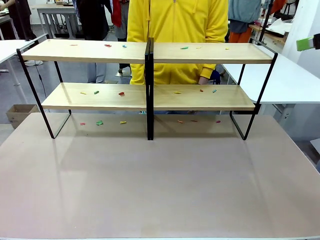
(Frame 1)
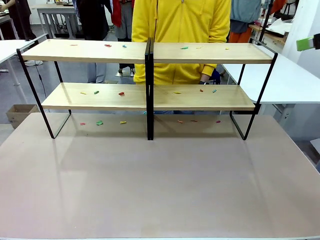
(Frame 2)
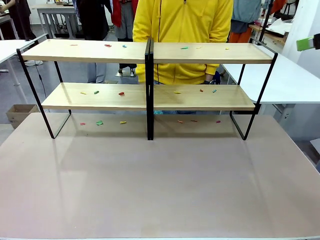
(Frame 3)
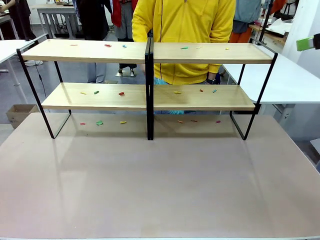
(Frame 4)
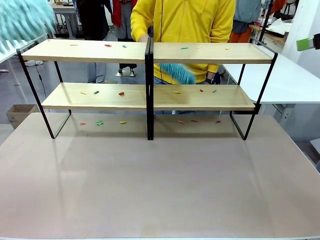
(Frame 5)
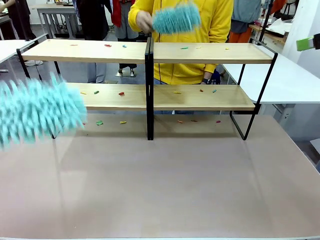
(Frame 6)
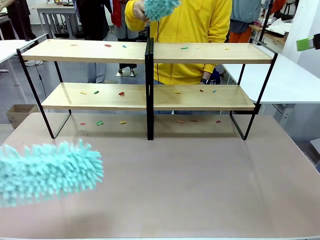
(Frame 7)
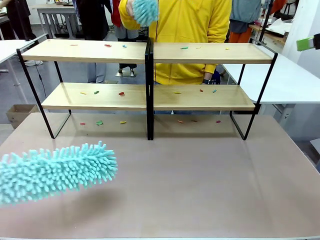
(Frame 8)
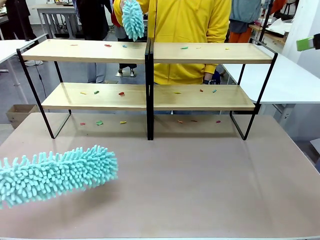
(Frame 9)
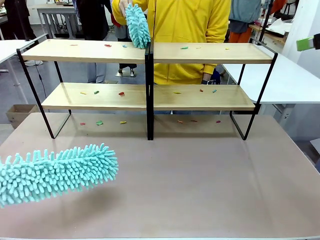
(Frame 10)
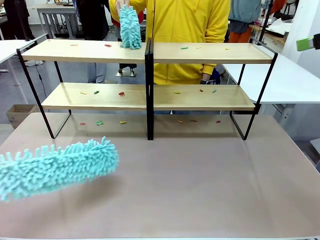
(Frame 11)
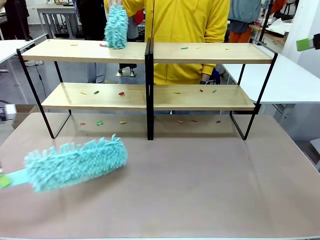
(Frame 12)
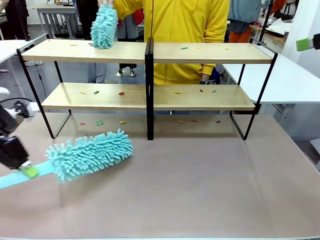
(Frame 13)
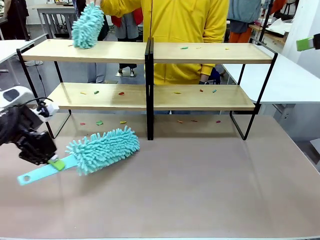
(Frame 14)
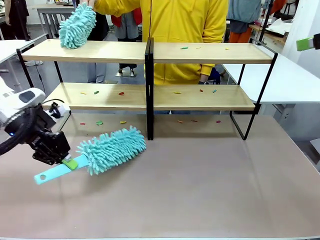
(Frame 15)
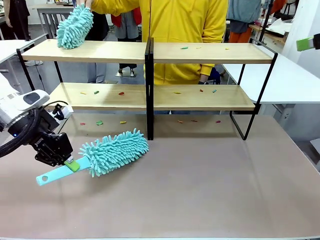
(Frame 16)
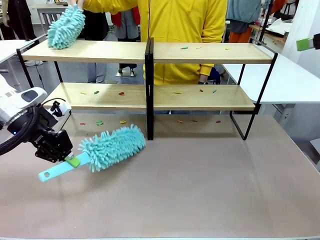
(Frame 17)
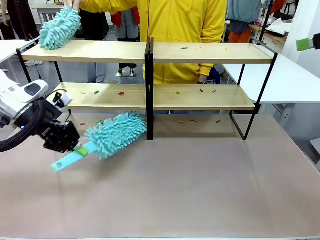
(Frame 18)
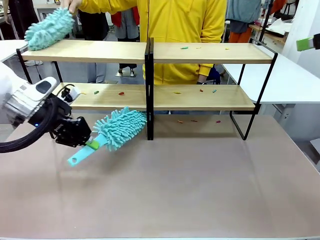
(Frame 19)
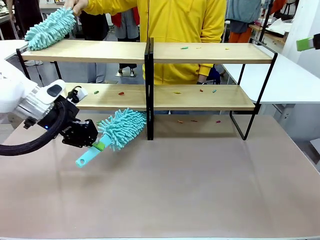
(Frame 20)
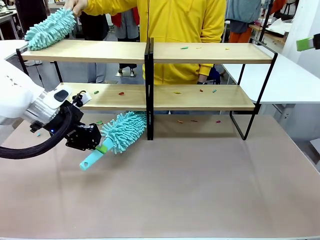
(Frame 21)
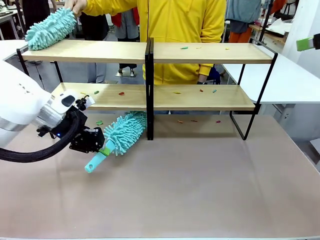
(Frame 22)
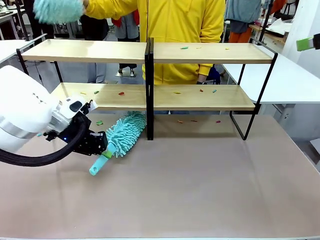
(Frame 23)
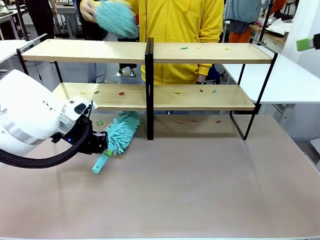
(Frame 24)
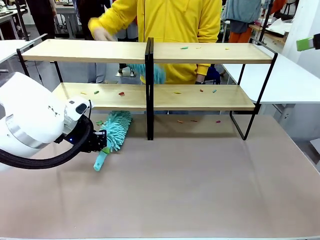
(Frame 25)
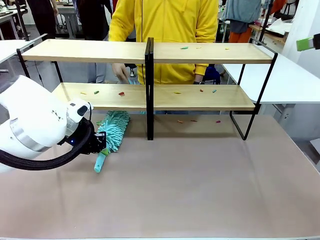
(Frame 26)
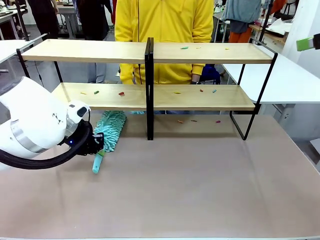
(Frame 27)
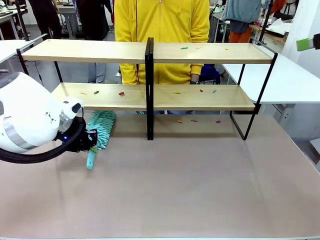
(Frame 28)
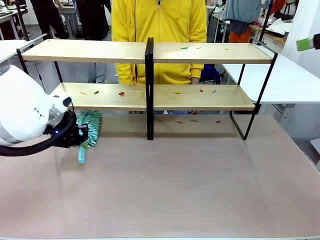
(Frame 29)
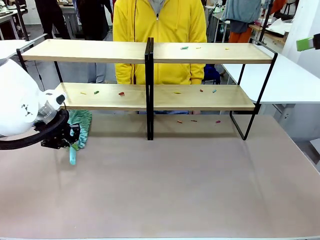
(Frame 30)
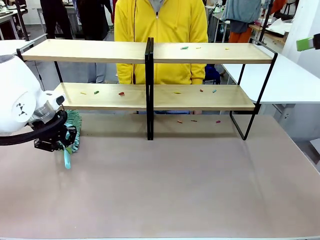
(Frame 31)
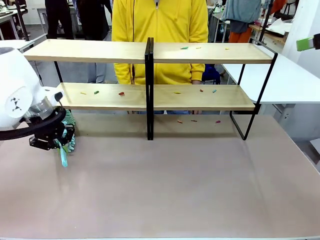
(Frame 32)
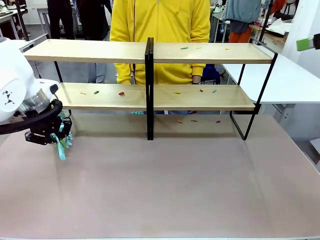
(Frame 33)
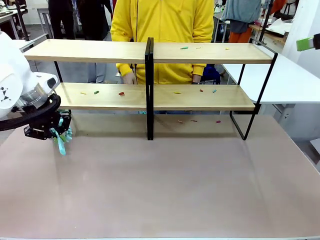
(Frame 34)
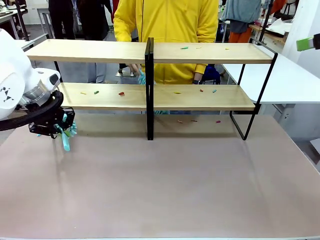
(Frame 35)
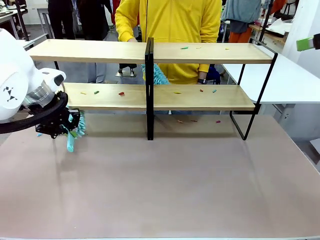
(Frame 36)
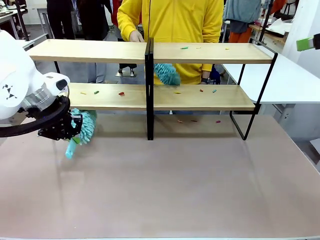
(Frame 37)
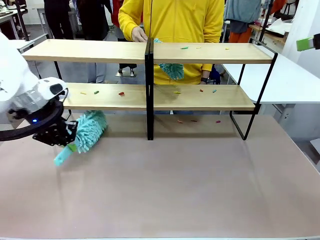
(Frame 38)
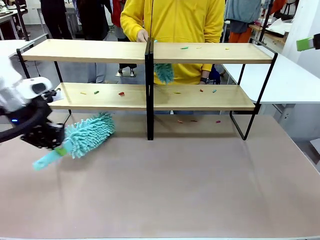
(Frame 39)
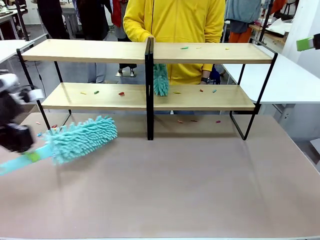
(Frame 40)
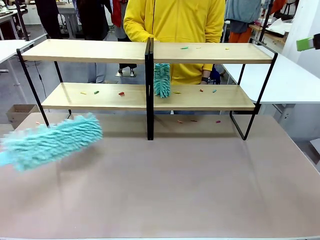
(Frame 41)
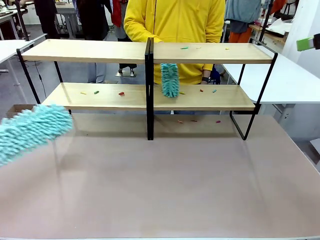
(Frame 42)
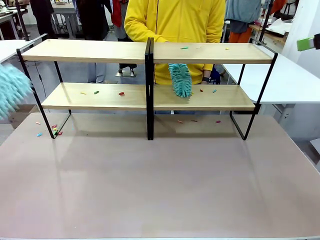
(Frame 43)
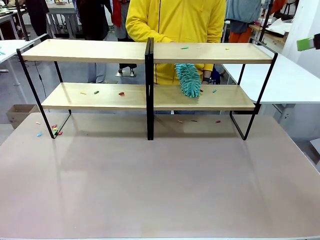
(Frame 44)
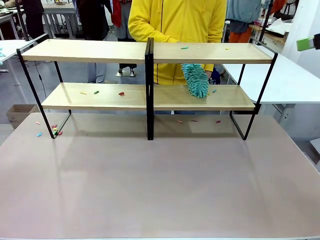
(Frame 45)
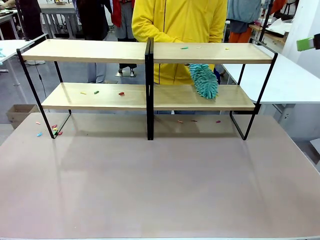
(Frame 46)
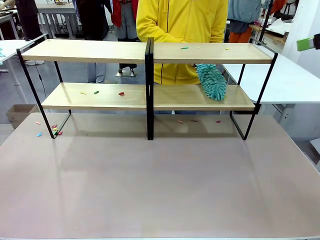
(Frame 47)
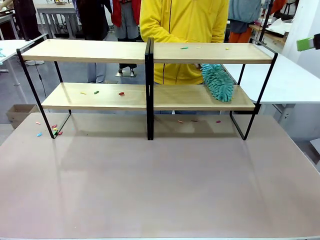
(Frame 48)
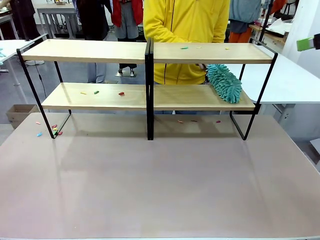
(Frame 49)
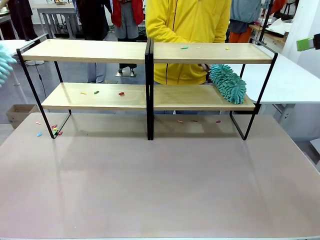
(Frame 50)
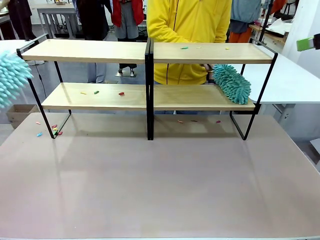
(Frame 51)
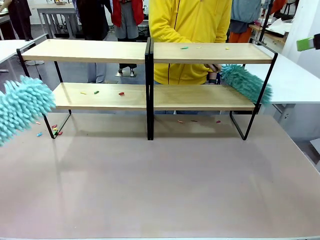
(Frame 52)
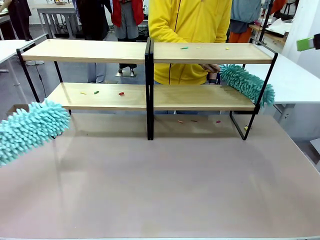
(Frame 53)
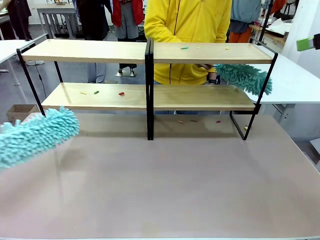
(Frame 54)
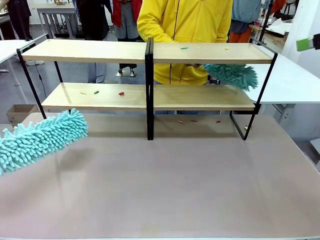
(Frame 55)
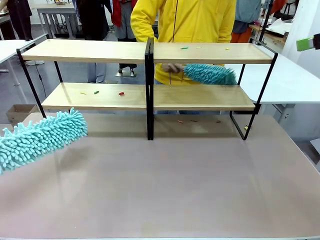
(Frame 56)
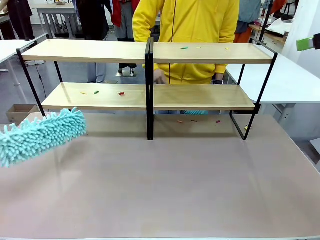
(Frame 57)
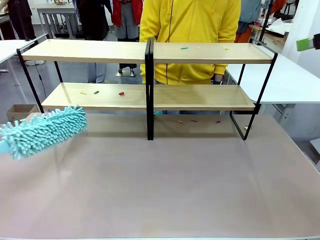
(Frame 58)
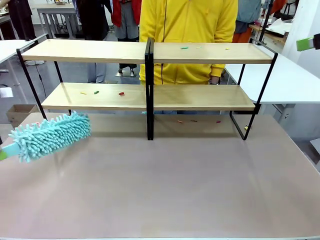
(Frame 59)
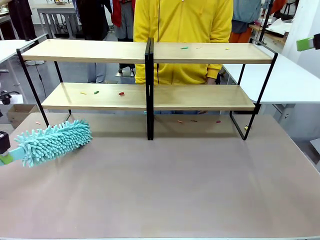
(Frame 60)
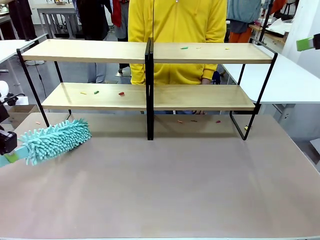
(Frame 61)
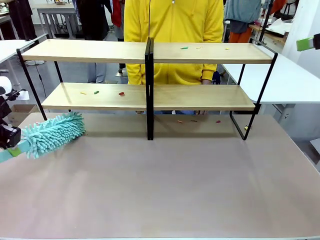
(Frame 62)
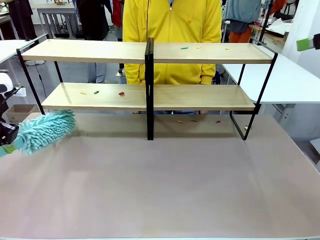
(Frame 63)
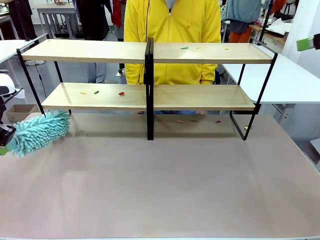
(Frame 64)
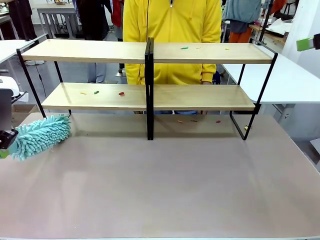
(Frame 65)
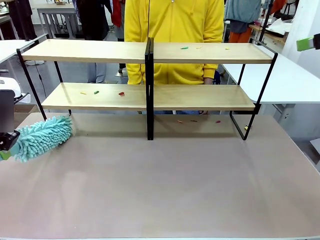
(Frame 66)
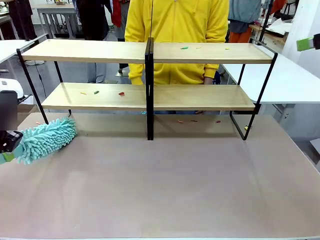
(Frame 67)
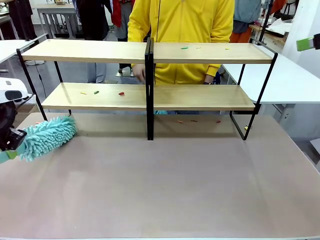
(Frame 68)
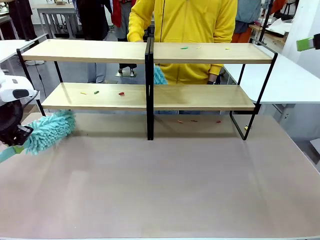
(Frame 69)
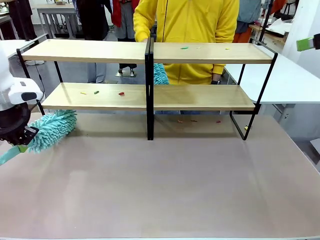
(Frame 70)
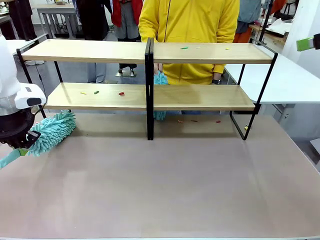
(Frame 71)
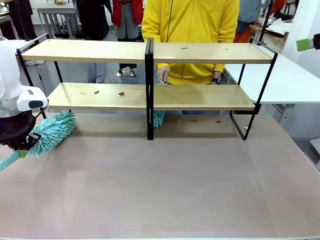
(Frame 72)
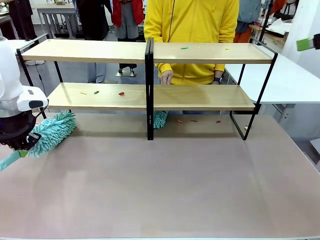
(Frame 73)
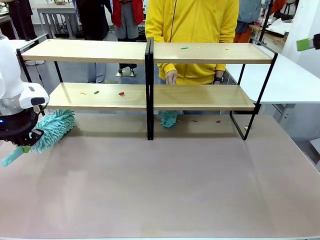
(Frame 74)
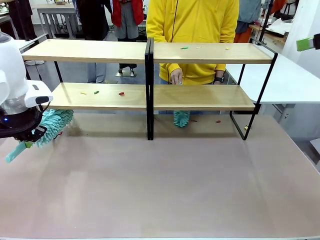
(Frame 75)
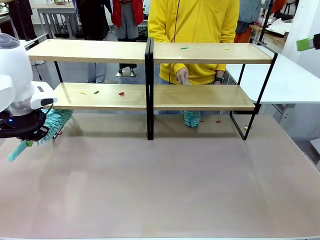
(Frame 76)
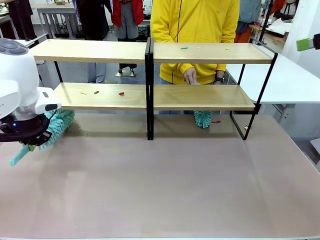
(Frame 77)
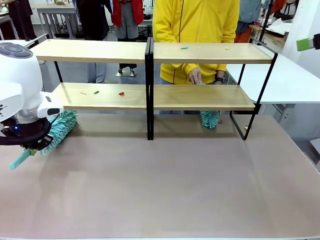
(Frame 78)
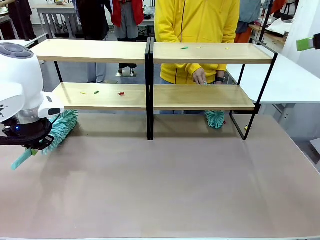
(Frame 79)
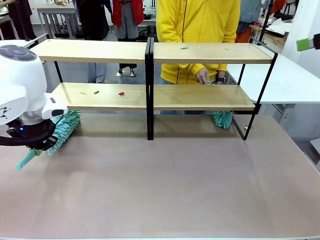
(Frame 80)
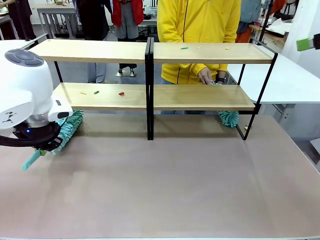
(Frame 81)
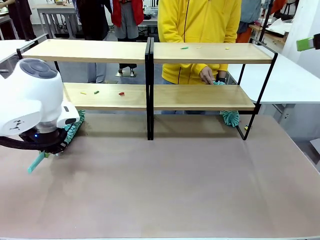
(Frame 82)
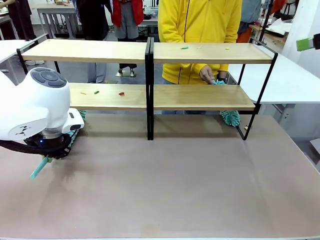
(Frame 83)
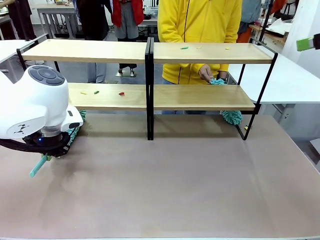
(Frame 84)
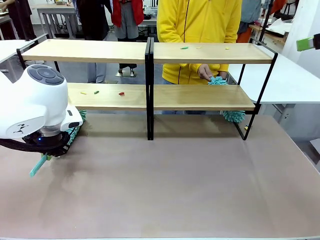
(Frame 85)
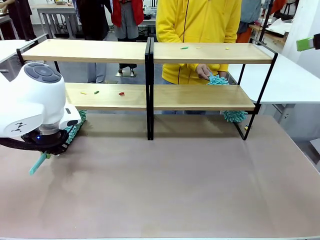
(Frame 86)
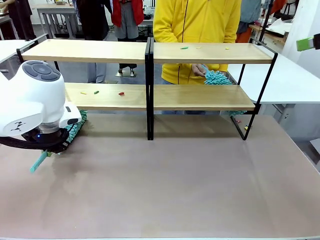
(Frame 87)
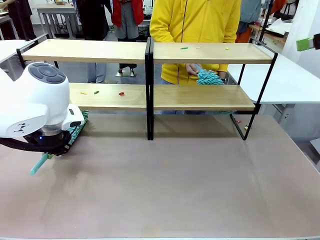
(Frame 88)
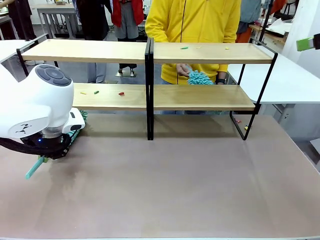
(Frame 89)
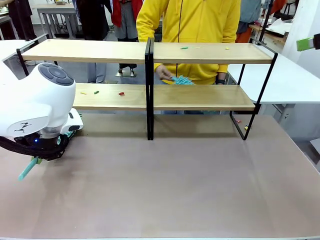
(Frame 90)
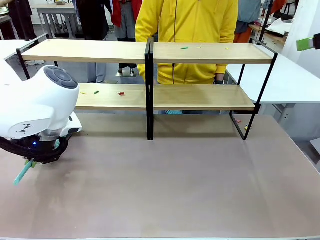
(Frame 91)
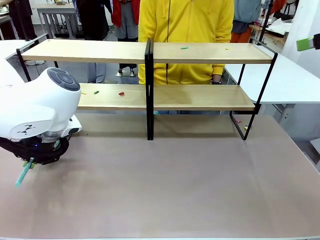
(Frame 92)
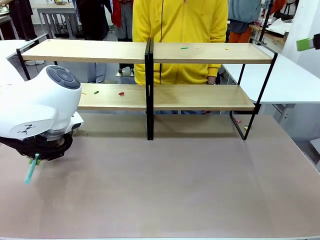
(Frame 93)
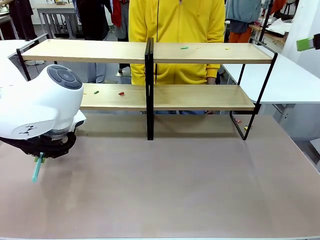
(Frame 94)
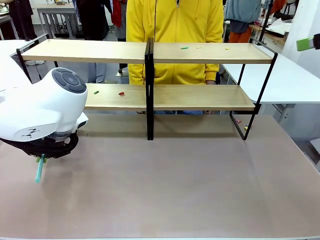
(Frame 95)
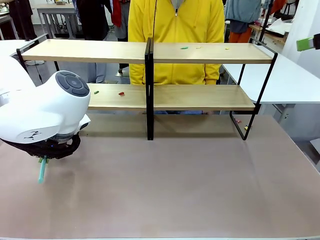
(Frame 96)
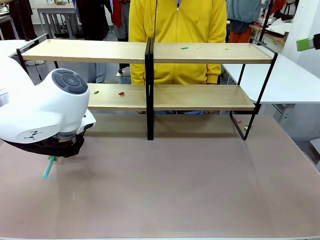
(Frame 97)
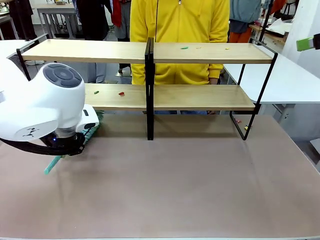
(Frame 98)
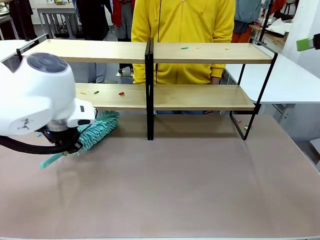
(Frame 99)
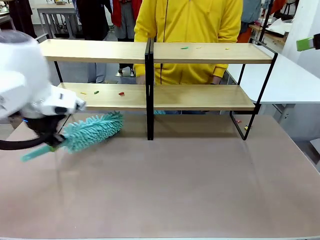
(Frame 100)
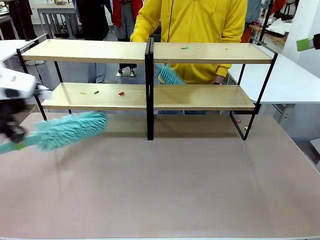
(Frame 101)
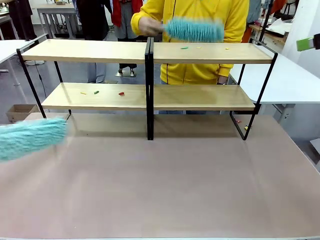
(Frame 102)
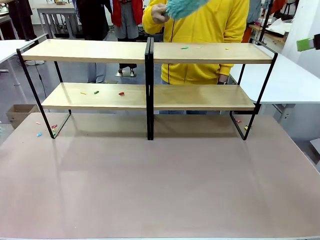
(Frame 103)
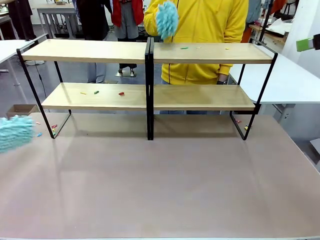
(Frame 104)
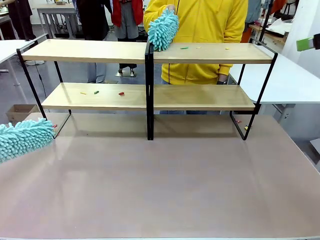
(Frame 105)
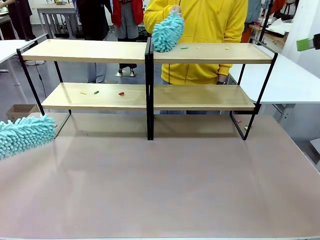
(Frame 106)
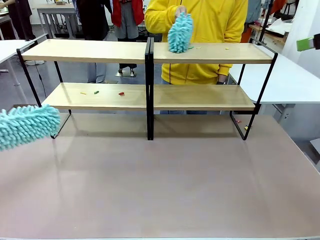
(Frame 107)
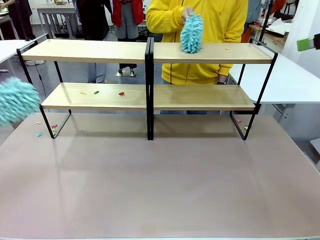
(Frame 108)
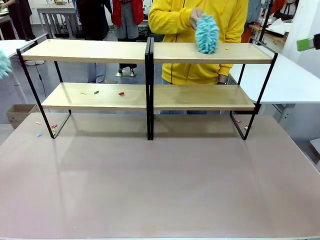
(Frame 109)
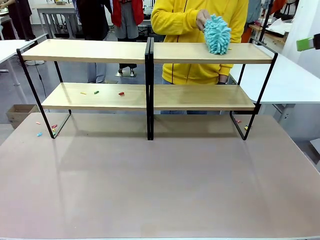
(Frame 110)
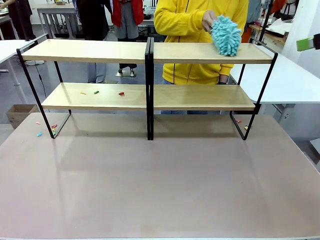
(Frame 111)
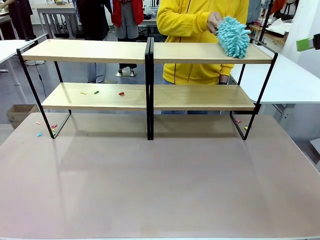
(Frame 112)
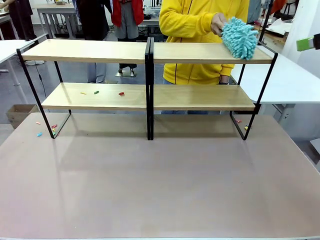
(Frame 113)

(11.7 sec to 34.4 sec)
Task: Clean the shelves.
Robot: Clean a randomly selected level of the Shelf with the Duster.
Person: Clean a randomly selected level of the Shelf with the Duster.
